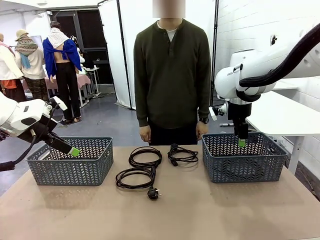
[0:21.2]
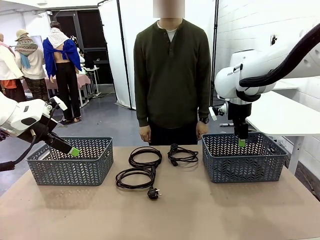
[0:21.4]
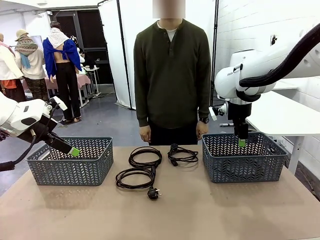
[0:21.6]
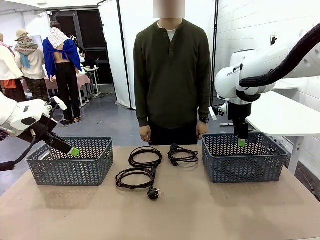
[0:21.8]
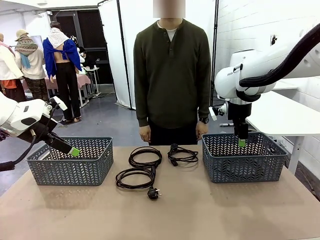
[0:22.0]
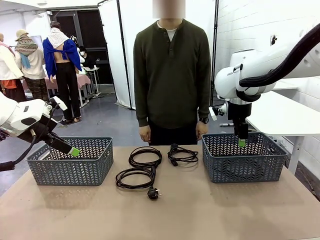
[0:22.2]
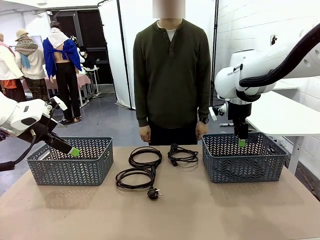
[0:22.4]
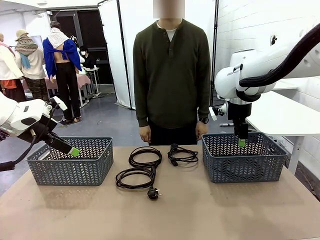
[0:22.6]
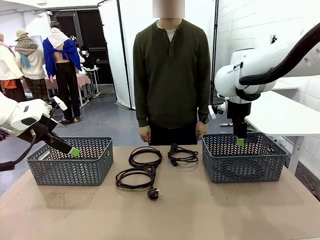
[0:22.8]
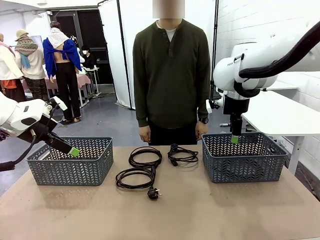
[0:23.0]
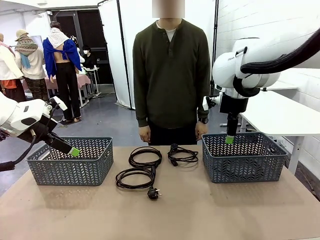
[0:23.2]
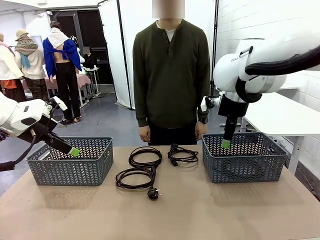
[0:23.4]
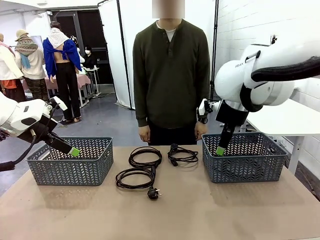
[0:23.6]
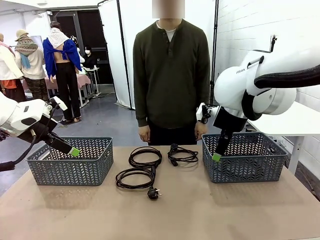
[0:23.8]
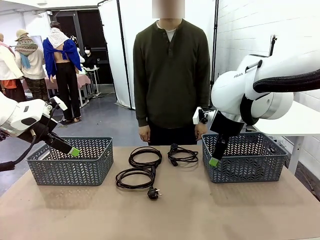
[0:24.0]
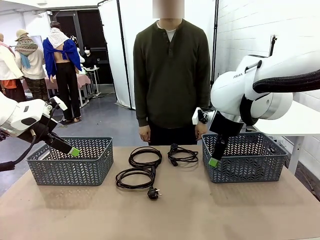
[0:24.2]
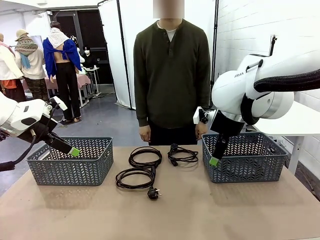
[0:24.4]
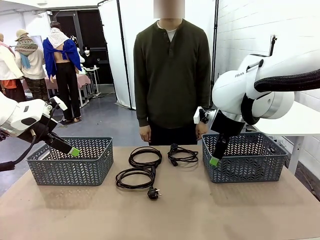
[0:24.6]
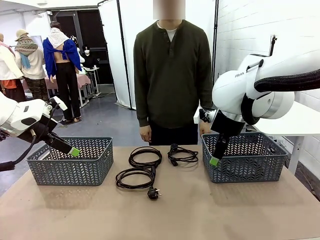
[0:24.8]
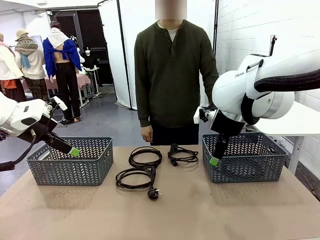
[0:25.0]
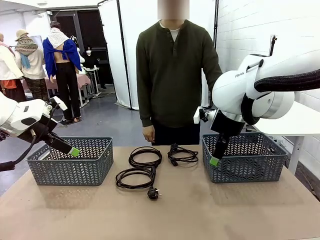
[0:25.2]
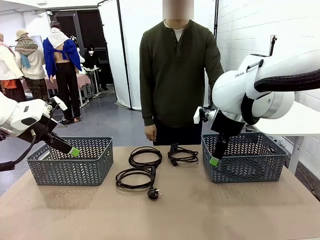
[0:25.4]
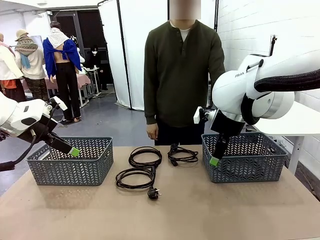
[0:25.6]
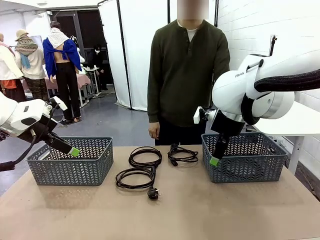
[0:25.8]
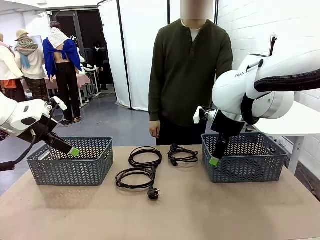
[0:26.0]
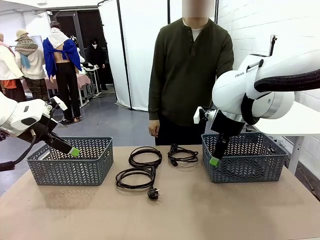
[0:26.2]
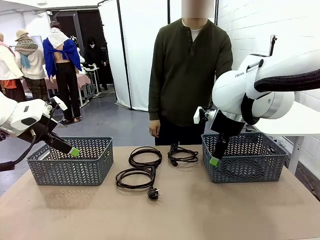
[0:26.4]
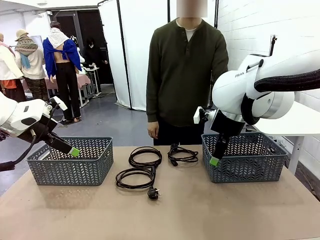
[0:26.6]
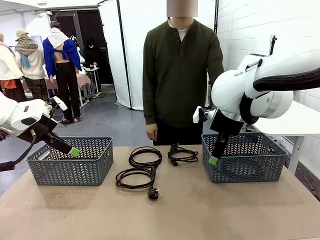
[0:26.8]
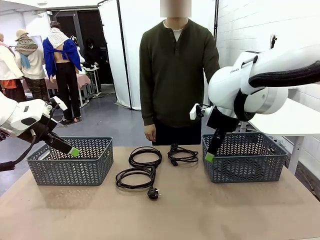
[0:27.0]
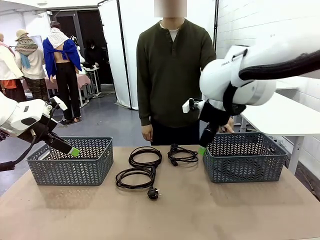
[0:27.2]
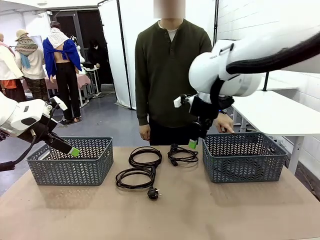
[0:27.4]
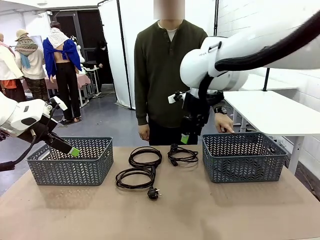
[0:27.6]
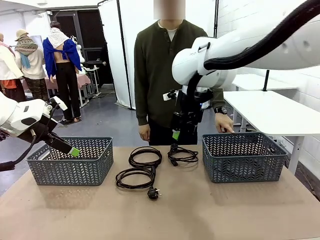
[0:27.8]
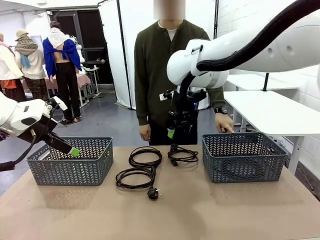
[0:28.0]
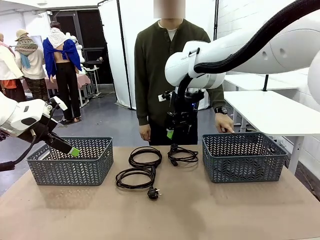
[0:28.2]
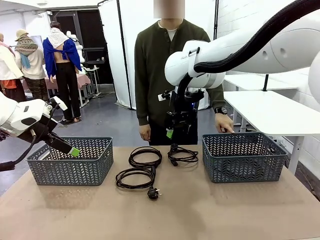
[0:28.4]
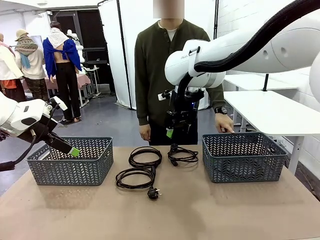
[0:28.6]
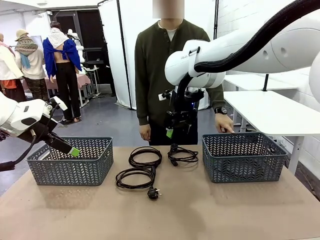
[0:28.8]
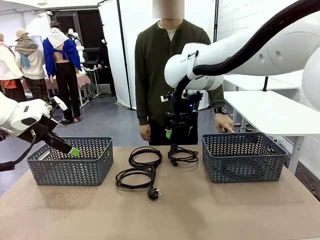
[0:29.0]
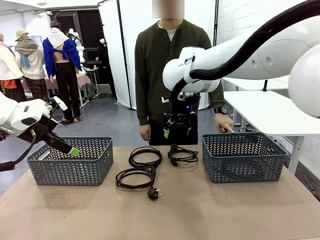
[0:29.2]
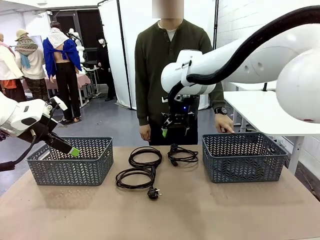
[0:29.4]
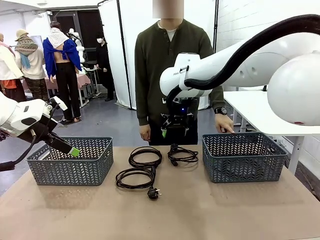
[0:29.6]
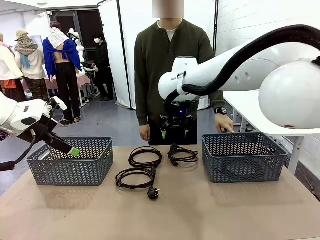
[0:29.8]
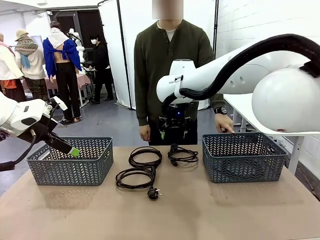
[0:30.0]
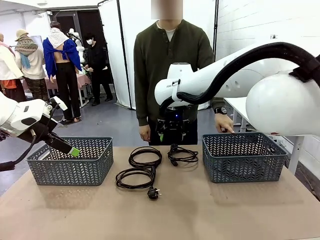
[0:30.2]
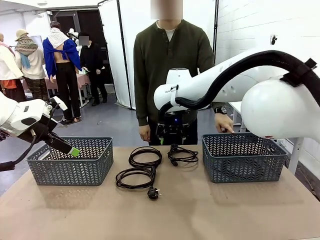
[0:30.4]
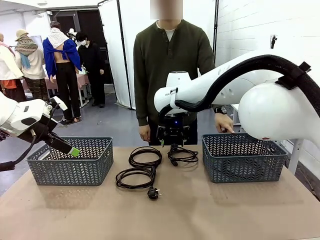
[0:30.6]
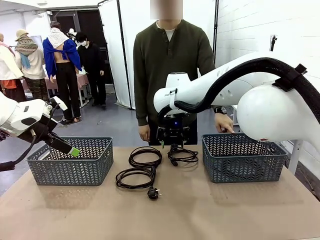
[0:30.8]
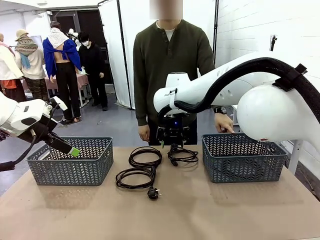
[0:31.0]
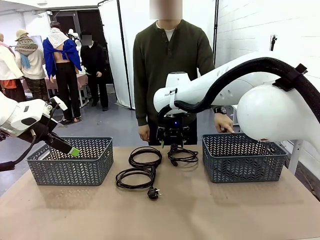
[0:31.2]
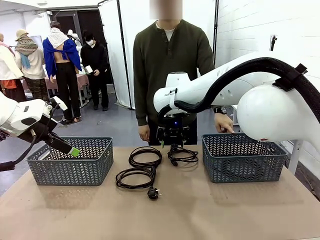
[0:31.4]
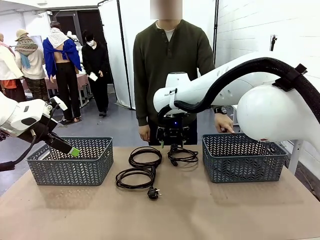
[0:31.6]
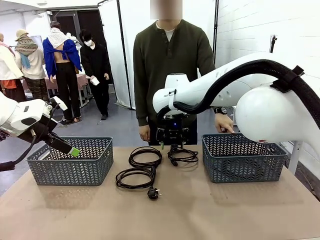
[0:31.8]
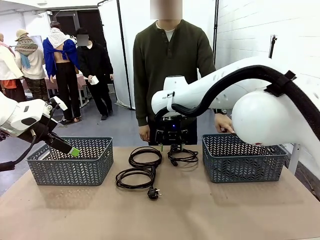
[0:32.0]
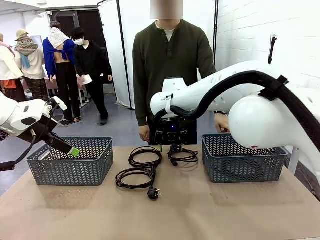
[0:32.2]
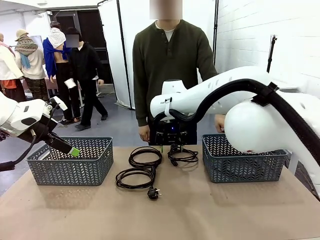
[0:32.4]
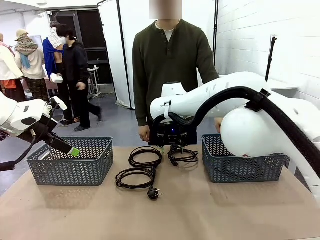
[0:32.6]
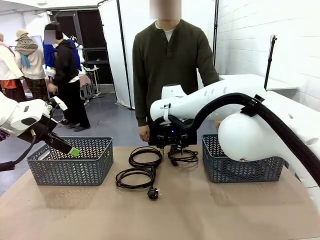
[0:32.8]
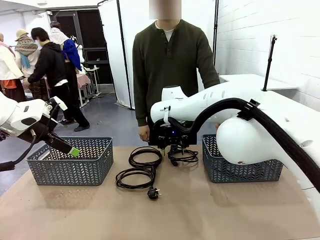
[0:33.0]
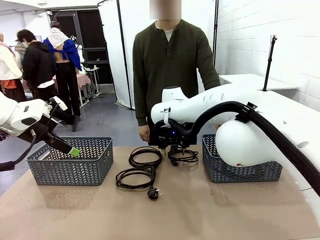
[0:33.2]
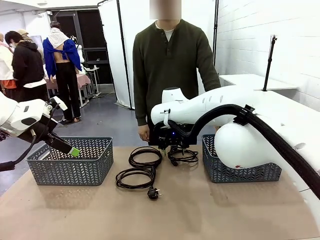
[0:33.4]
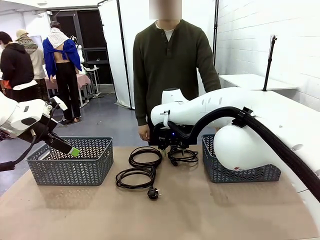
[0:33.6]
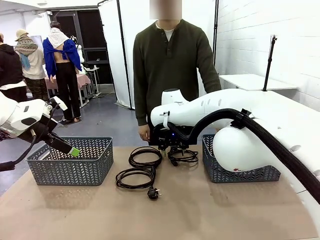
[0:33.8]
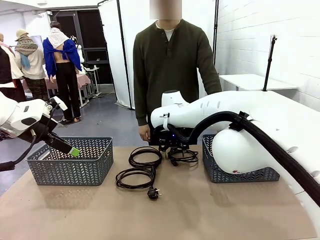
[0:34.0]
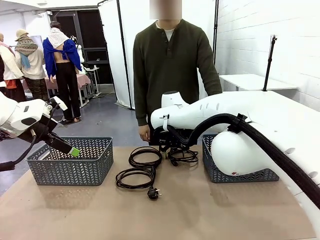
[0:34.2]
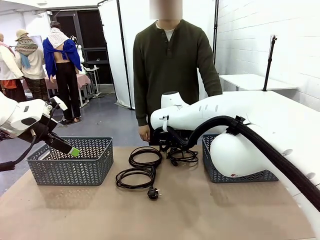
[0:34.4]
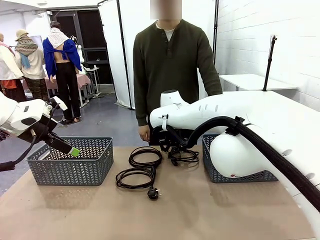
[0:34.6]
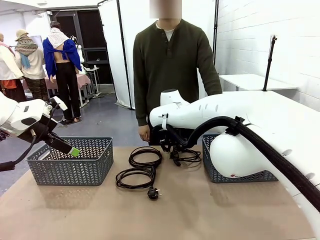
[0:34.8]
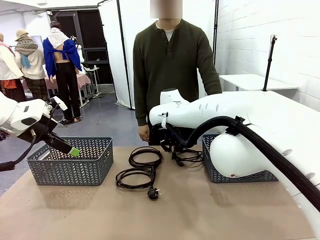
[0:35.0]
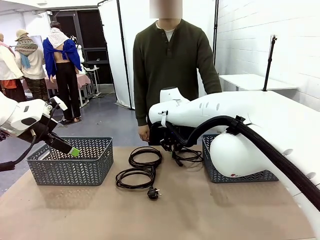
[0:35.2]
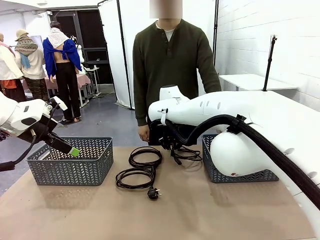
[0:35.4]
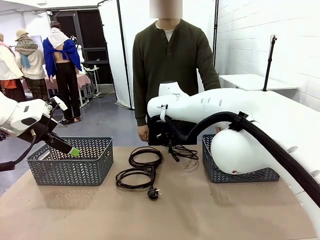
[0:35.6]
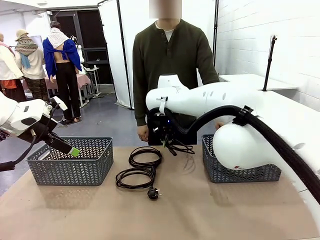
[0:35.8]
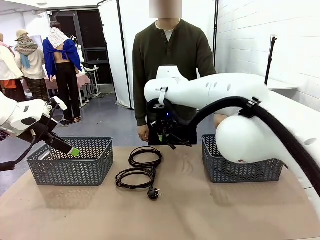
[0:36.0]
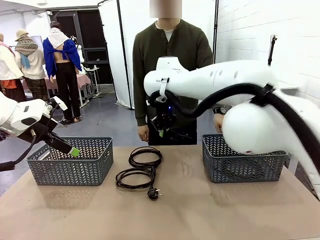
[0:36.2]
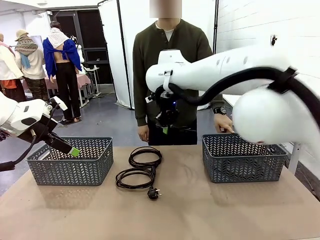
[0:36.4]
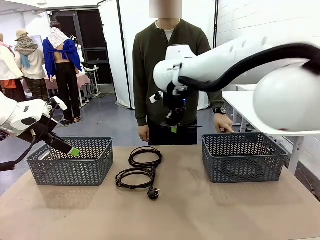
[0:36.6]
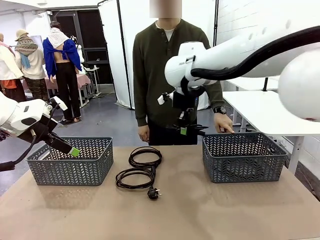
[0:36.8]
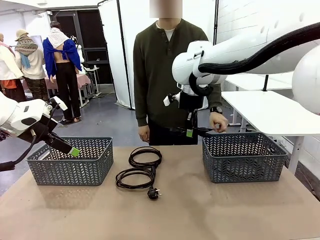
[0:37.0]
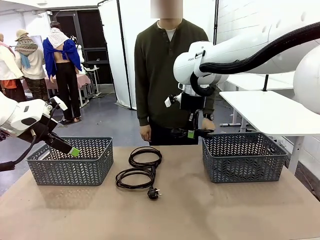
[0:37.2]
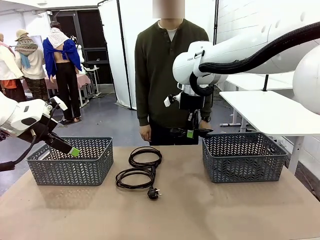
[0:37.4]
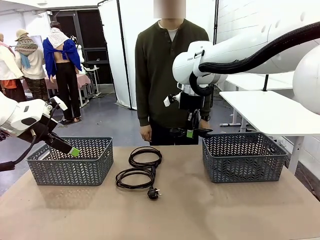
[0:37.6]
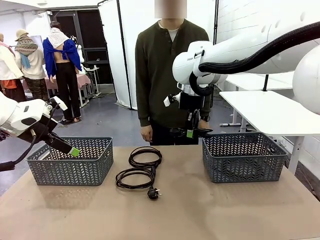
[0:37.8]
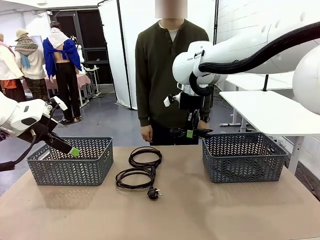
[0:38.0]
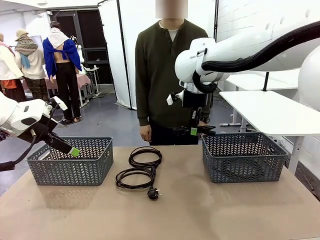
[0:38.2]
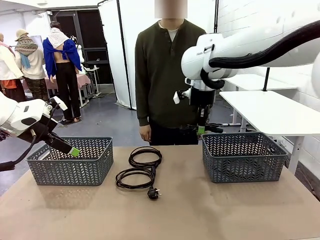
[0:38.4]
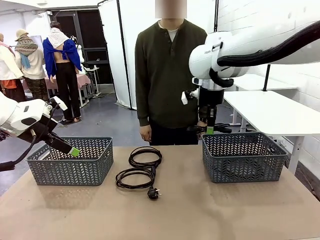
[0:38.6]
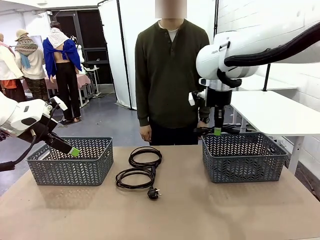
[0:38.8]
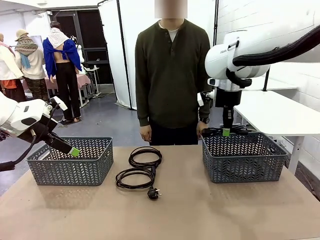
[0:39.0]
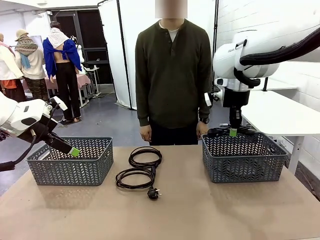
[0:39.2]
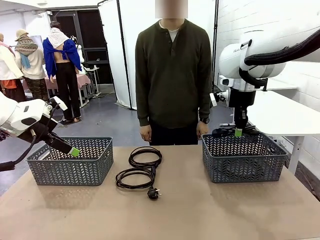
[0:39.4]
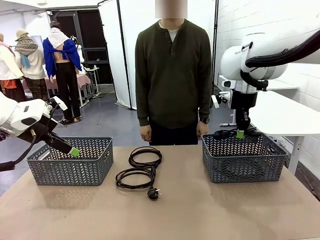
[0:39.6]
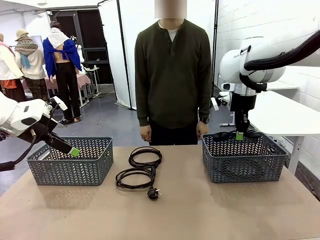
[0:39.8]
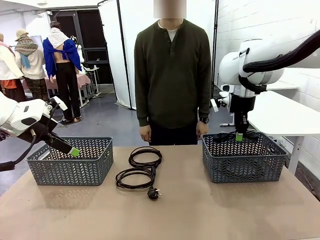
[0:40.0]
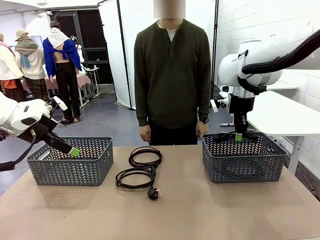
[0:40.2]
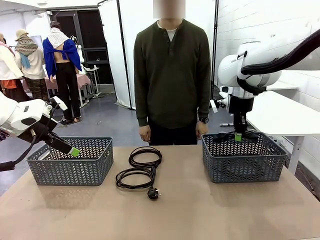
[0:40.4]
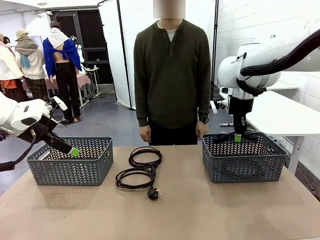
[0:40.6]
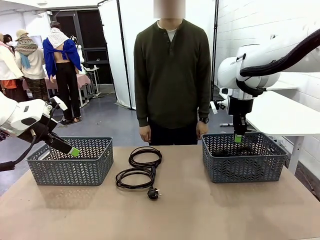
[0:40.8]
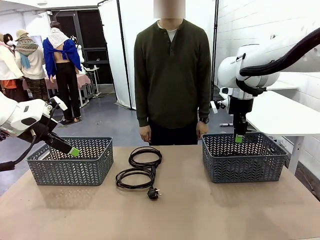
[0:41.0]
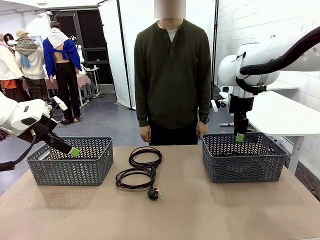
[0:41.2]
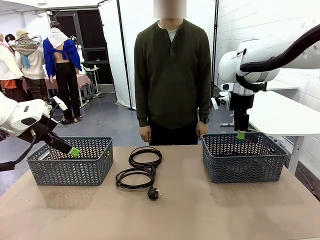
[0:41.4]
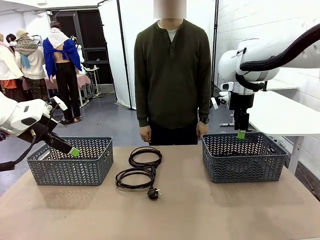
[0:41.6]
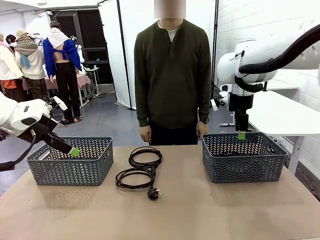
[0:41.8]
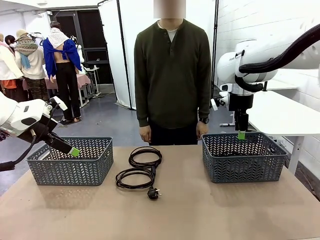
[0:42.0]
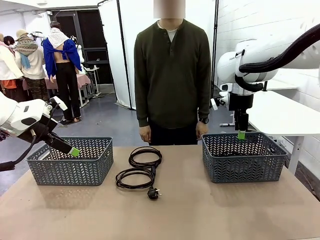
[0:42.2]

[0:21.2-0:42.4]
Task: Organize the cables according to human instructions.
Robot: Pick up a bundle of cables and place it in the basket indicated by the human.
